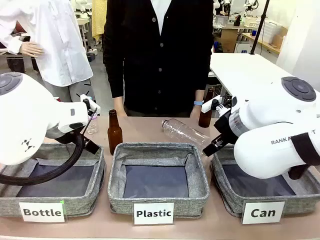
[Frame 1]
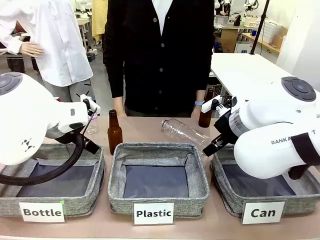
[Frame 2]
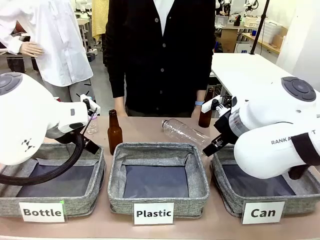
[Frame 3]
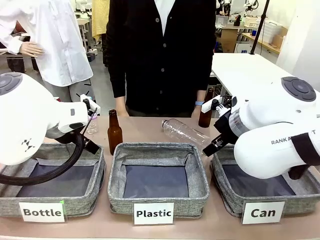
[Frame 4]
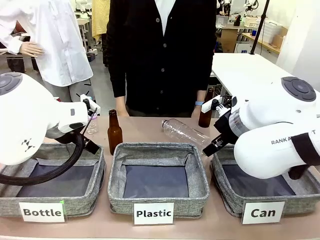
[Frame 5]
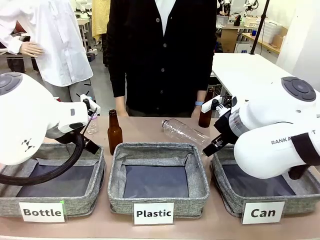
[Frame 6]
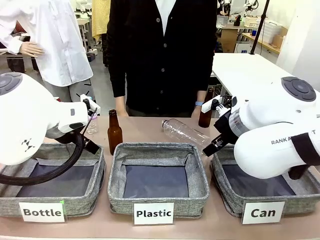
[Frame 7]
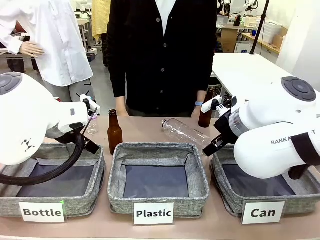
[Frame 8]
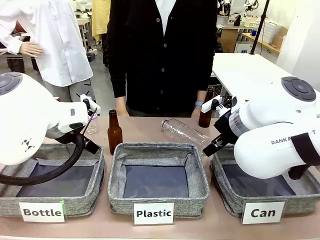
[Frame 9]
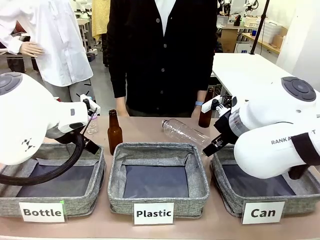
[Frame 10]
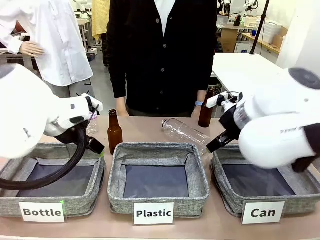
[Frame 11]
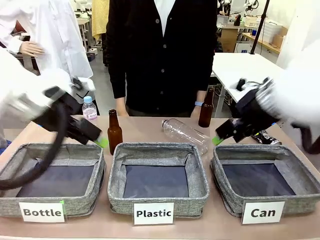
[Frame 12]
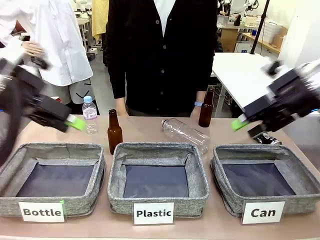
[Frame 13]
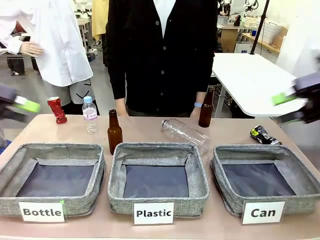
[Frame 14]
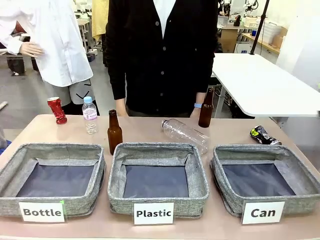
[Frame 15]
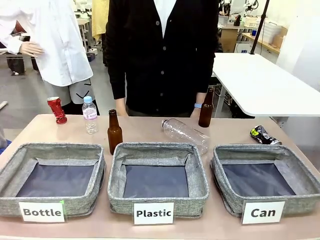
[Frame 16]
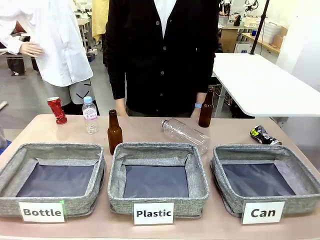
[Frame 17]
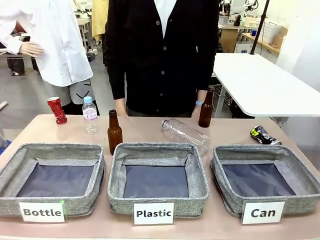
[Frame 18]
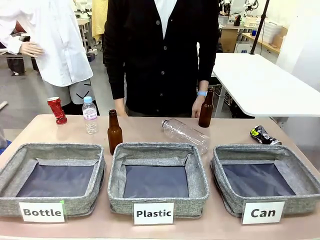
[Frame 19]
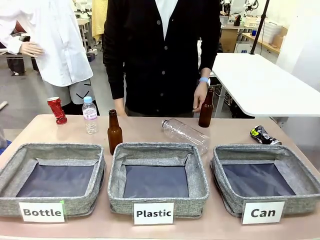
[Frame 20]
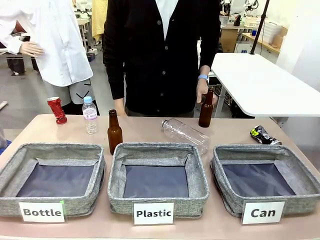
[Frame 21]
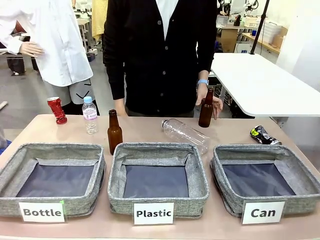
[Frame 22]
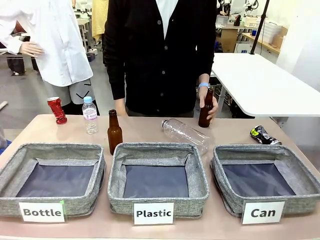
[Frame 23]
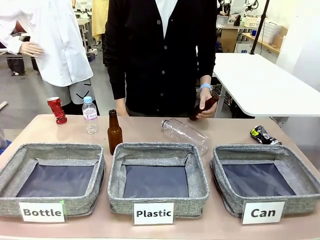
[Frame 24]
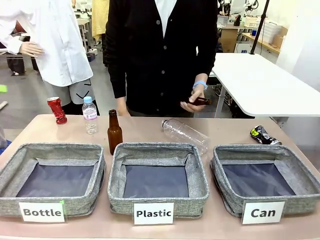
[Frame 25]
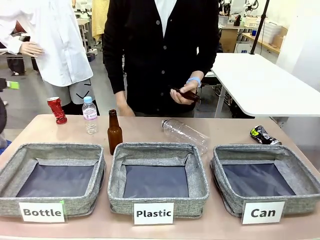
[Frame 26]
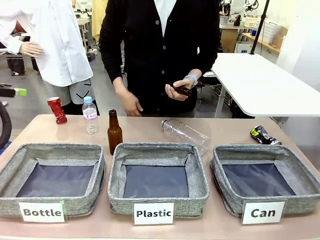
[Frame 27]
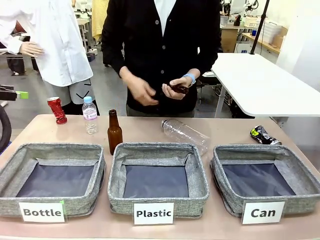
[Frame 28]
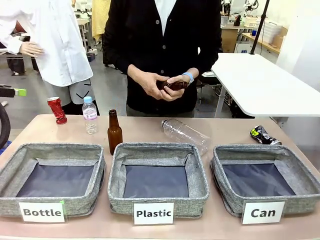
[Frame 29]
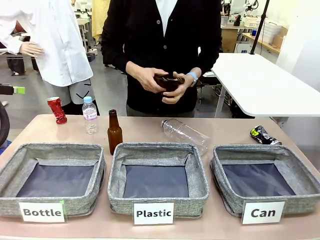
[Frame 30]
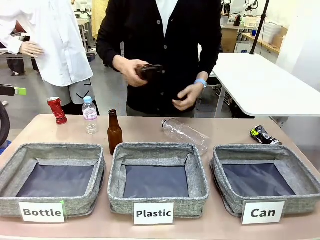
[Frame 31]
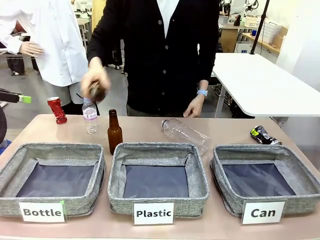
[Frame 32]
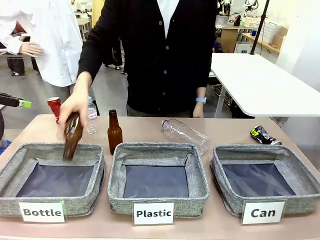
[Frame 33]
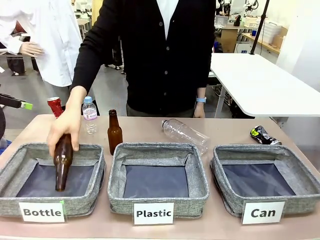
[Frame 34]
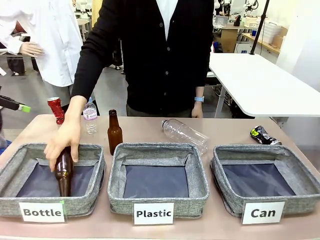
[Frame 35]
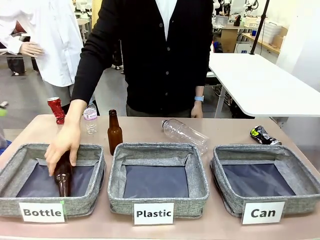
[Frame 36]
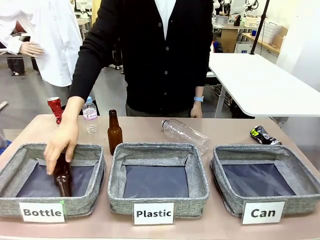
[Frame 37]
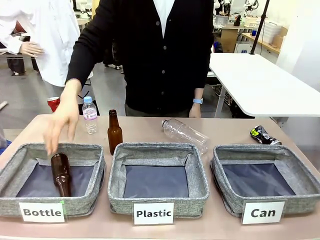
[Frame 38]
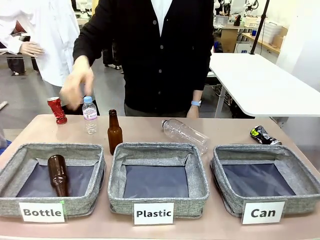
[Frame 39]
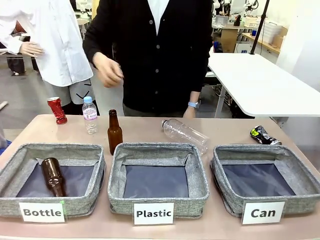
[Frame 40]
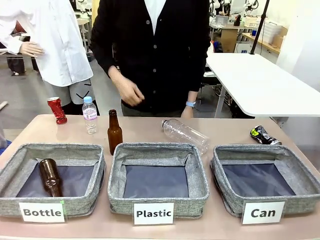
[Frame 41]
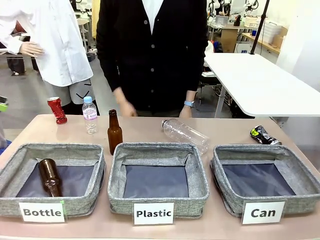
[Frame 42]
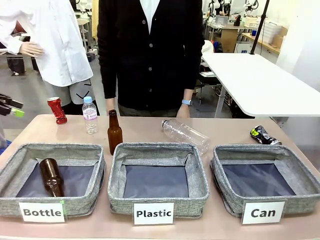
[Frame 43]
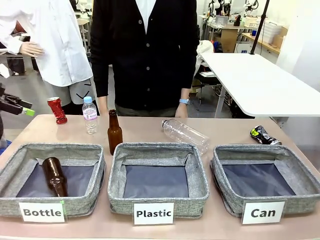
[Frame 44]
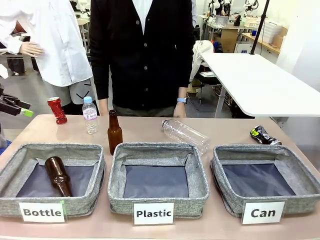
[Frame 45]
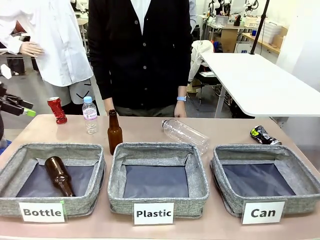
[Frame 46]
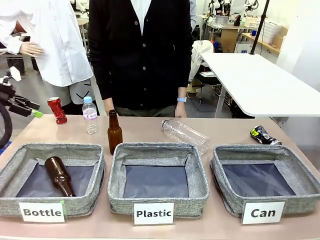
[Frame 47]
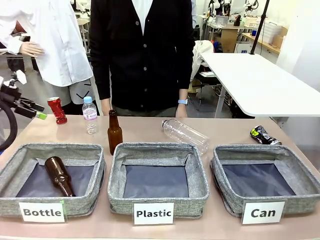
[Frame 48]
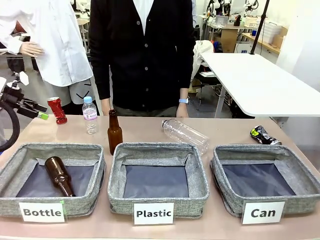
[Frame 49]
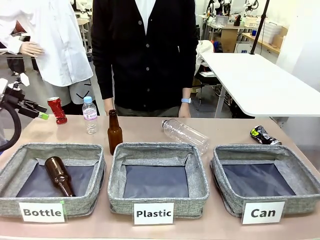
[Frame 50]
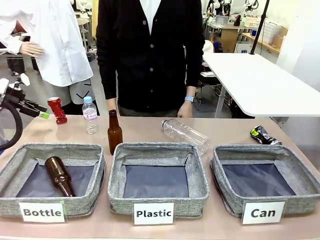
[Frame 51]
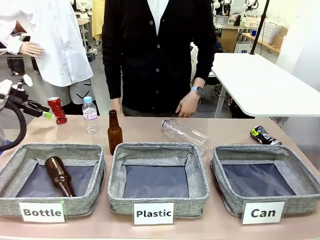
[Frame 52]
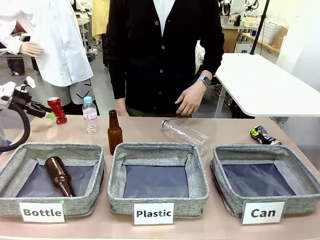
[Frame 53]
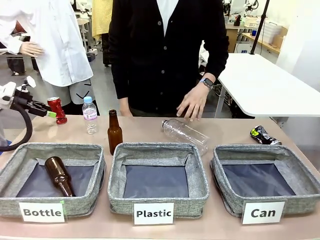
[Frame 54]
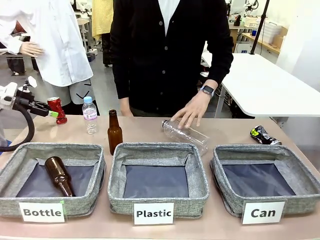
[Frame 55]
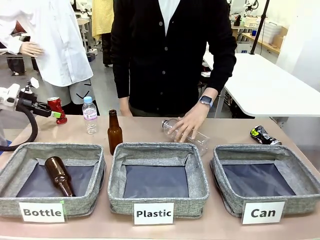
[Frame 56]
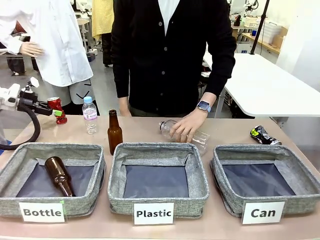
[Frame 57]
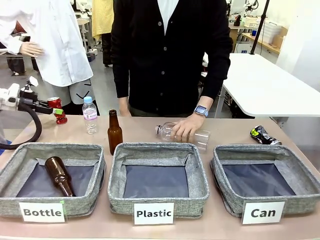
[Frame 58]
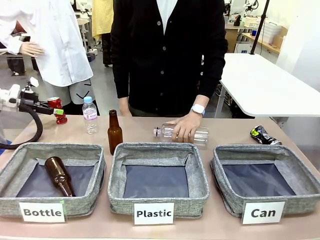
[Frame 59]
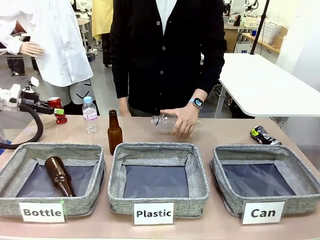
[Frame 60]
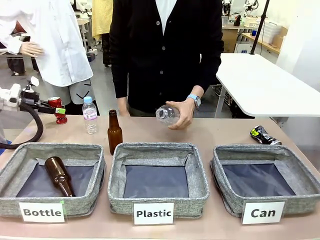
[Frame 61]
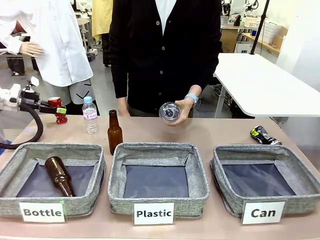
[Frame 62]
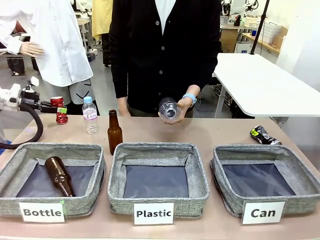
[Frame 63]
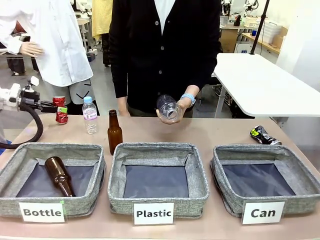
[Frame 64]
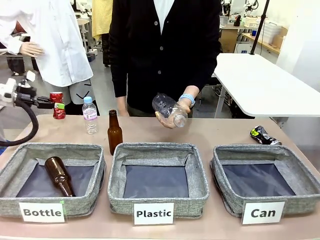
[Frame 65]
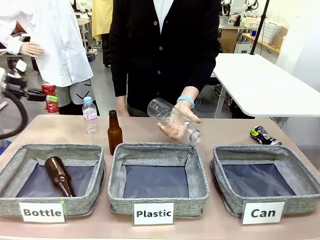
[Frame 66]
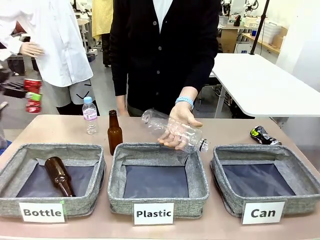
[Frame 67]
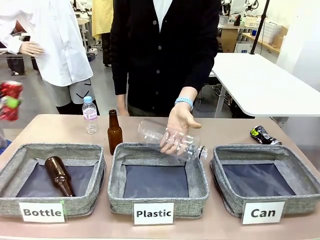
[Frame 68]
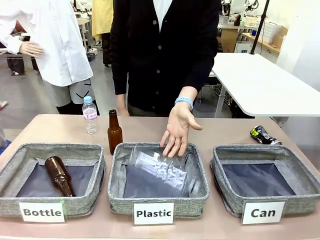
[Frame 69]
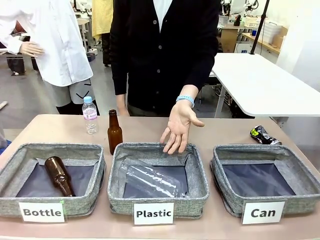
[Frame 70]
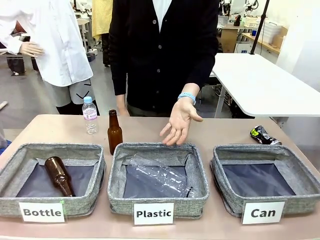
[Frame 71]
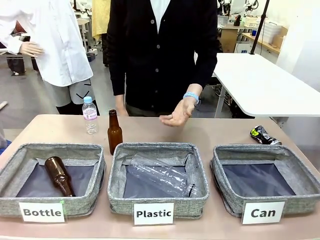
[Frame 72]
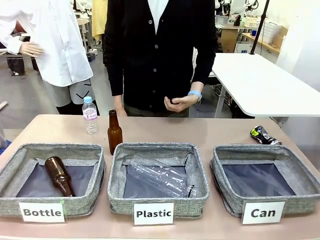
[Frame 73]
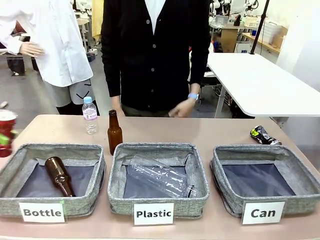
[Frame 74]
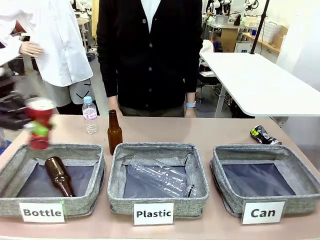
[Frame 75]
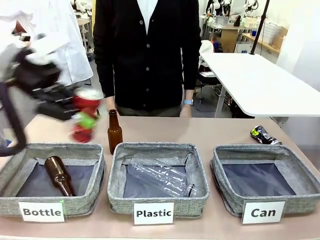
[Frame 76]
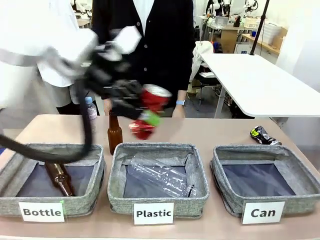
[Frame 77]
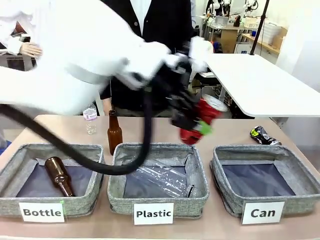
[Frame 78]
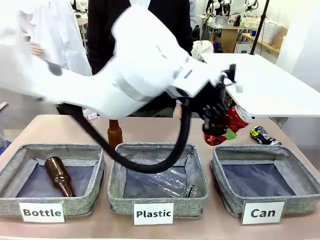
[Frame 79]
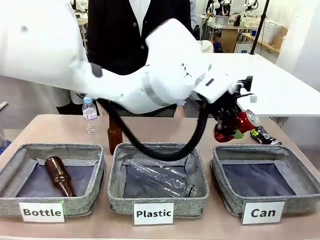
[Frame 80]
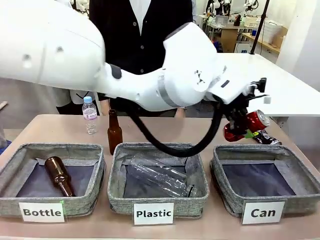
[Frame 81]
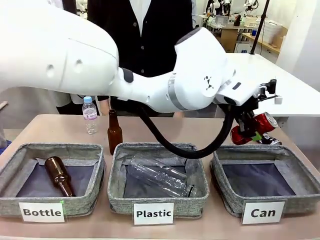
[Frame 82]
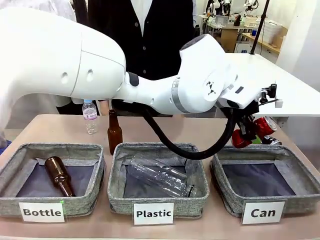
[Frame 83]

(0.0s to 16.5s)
Task: Sort the can waste into the basket.
Robot: Pick up the can waste from the table and place it in the right Fabric basket.
